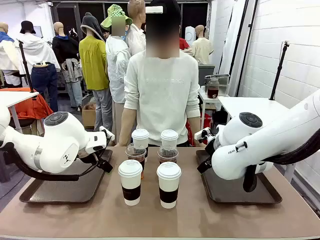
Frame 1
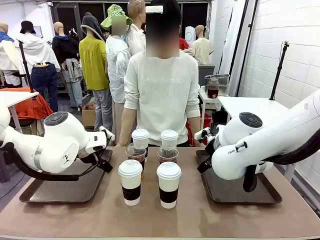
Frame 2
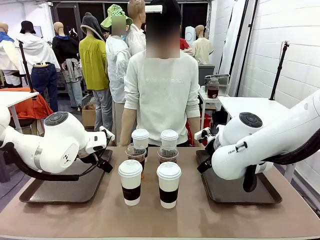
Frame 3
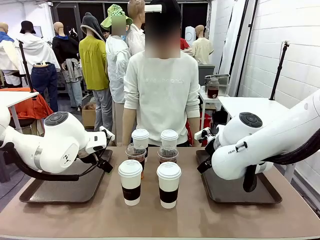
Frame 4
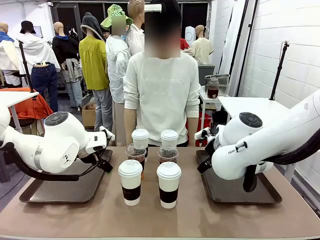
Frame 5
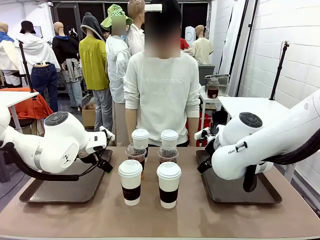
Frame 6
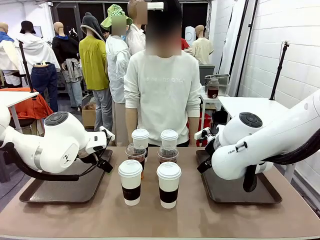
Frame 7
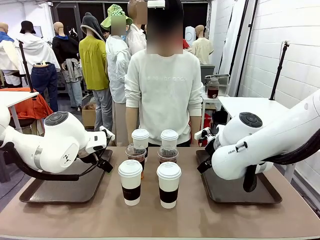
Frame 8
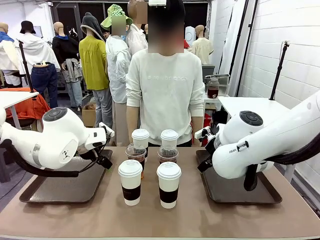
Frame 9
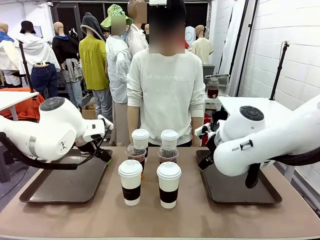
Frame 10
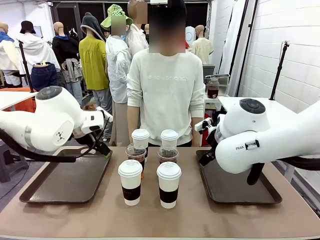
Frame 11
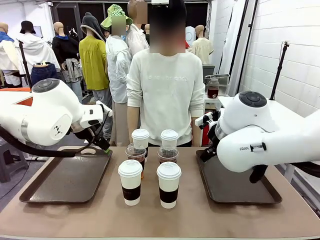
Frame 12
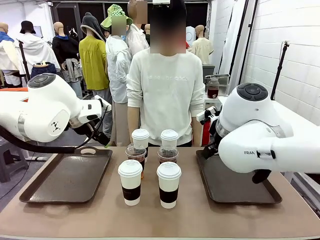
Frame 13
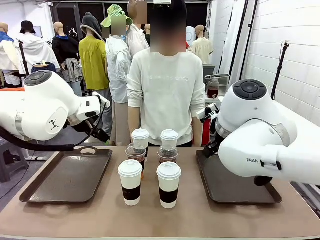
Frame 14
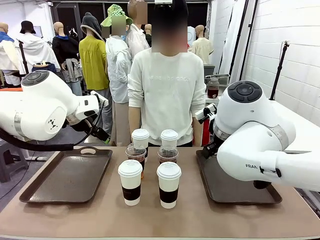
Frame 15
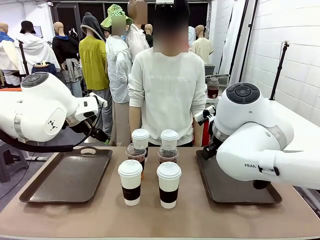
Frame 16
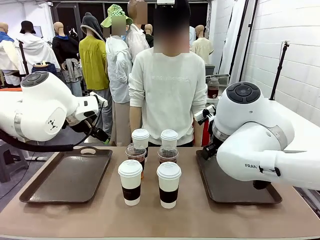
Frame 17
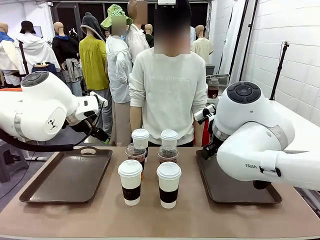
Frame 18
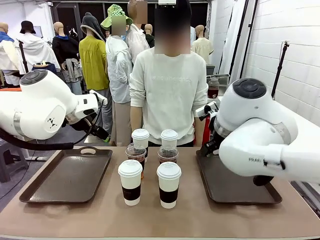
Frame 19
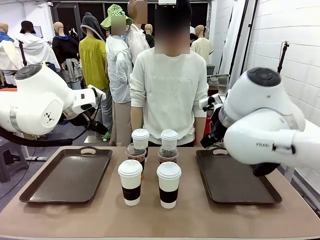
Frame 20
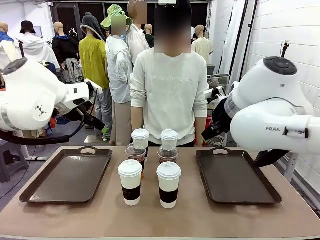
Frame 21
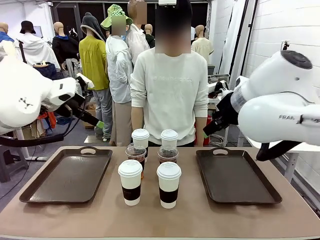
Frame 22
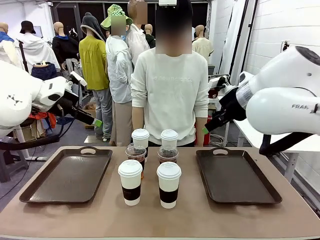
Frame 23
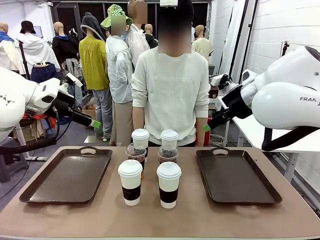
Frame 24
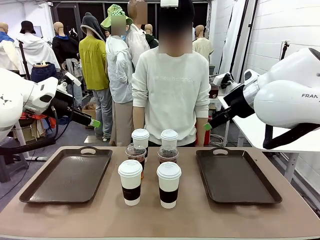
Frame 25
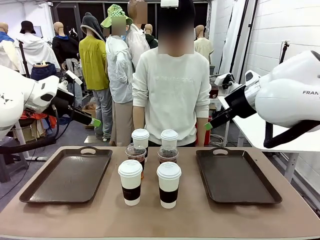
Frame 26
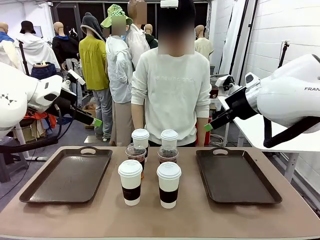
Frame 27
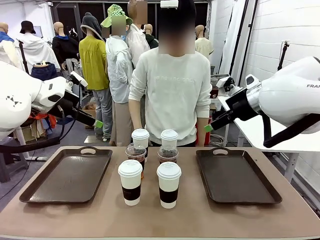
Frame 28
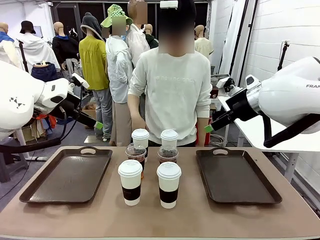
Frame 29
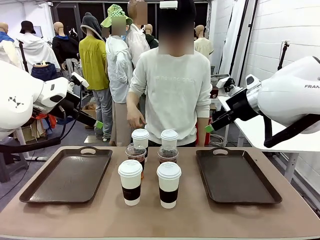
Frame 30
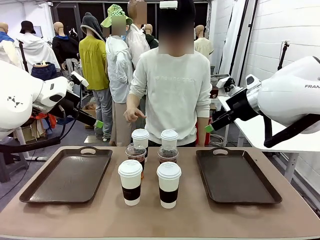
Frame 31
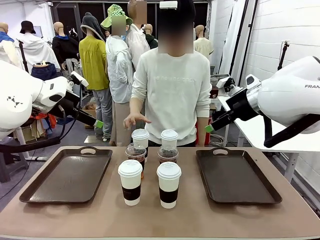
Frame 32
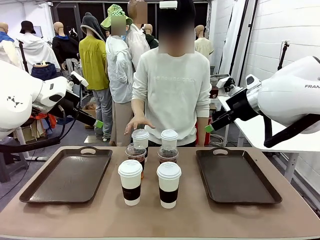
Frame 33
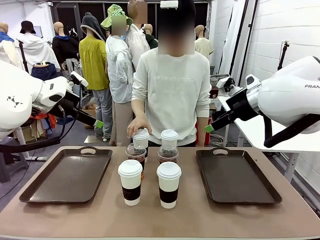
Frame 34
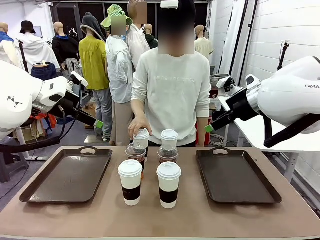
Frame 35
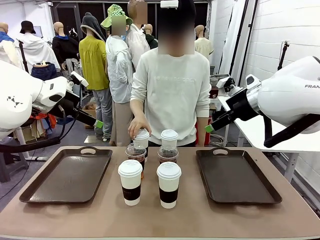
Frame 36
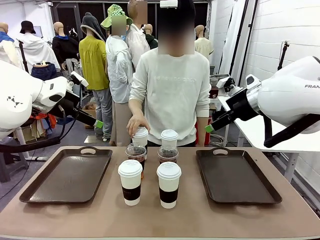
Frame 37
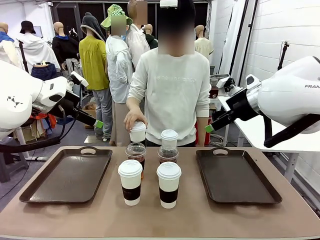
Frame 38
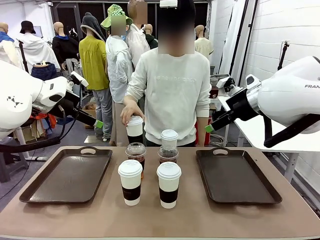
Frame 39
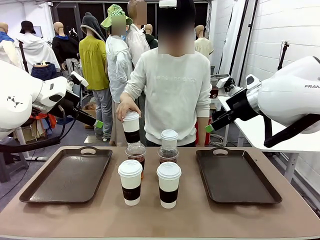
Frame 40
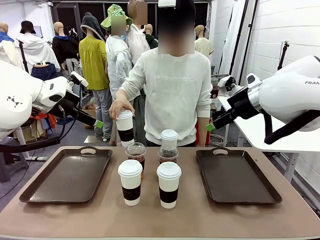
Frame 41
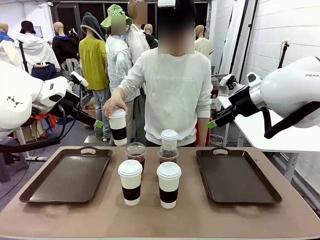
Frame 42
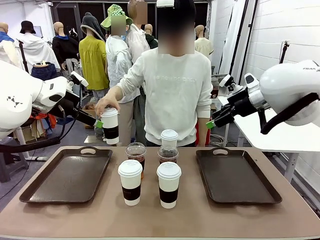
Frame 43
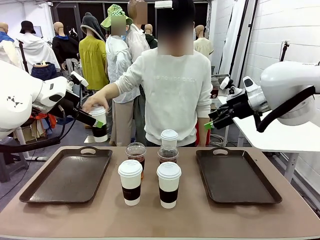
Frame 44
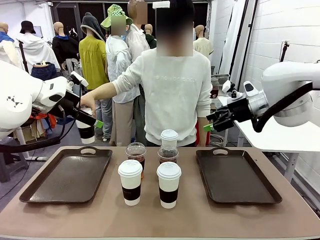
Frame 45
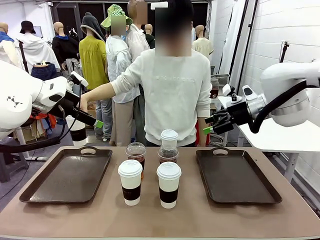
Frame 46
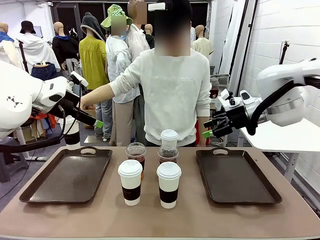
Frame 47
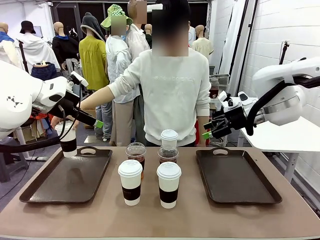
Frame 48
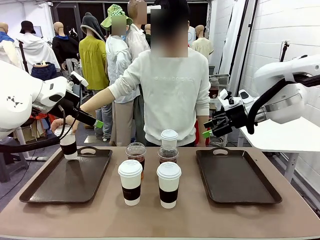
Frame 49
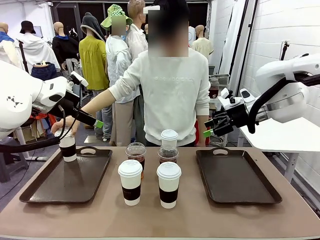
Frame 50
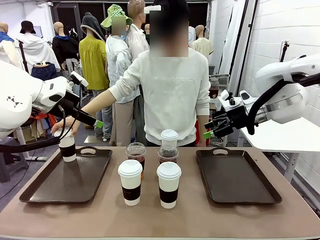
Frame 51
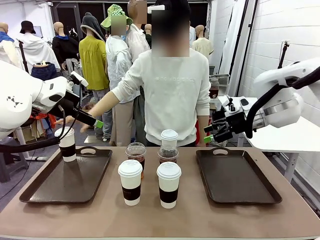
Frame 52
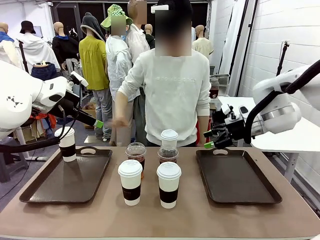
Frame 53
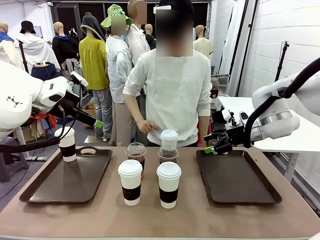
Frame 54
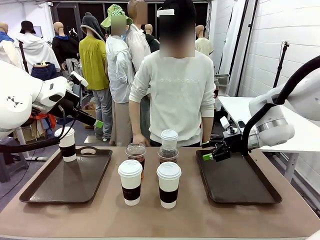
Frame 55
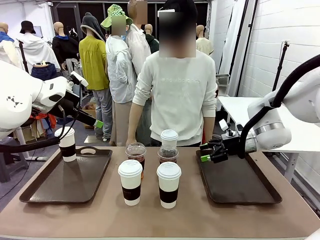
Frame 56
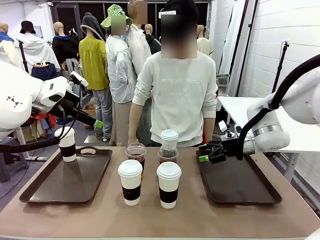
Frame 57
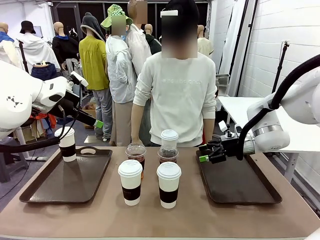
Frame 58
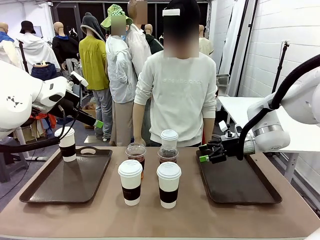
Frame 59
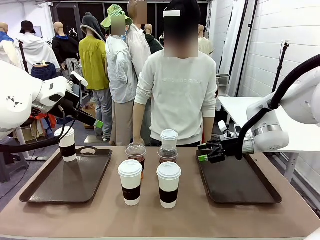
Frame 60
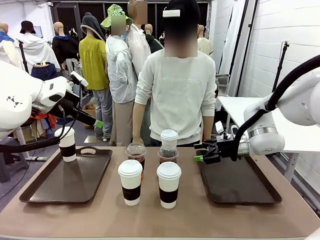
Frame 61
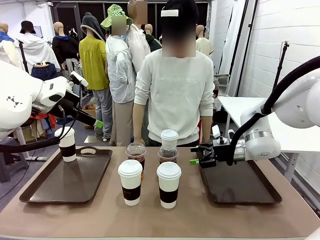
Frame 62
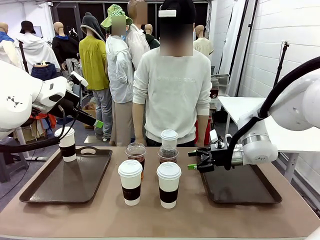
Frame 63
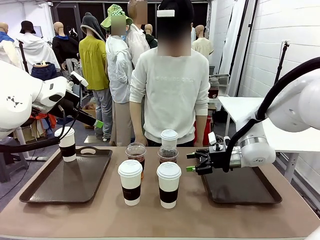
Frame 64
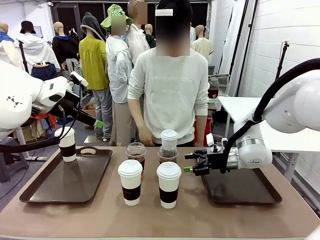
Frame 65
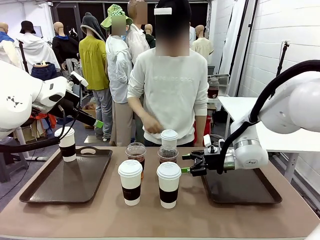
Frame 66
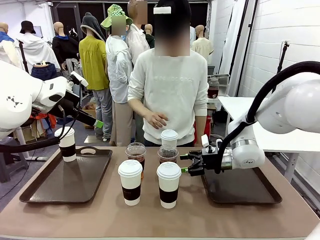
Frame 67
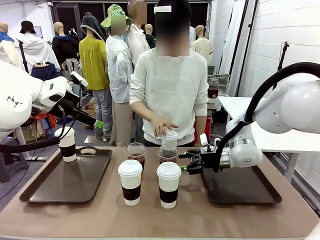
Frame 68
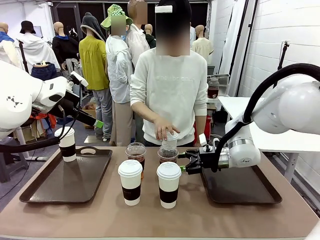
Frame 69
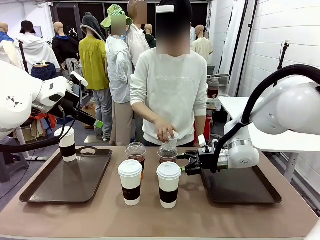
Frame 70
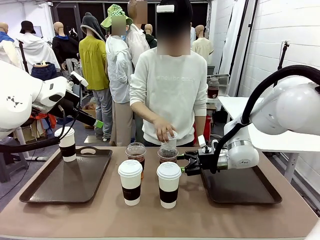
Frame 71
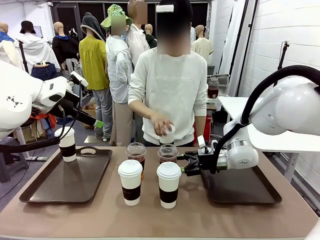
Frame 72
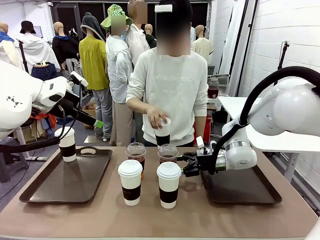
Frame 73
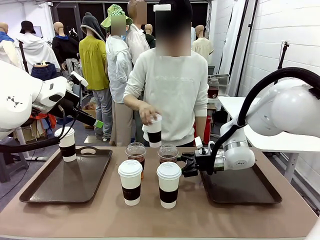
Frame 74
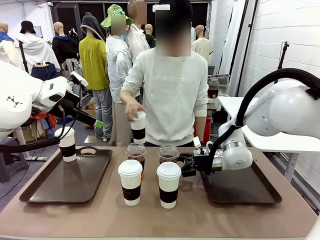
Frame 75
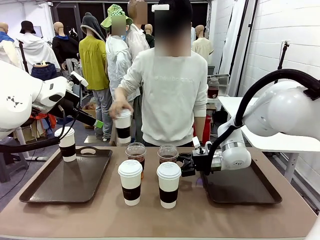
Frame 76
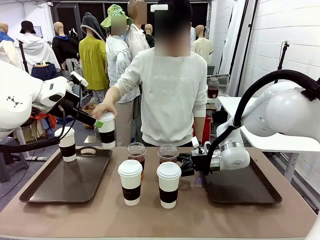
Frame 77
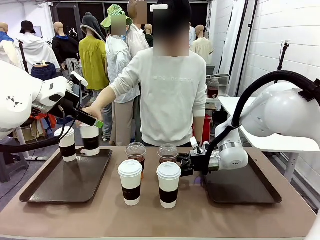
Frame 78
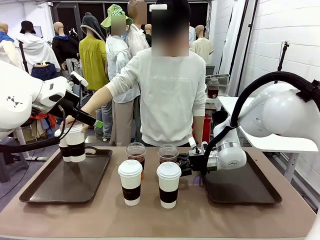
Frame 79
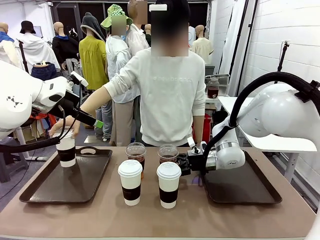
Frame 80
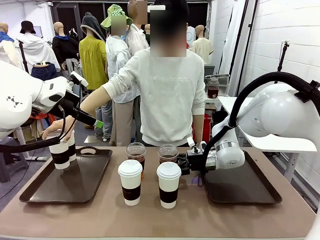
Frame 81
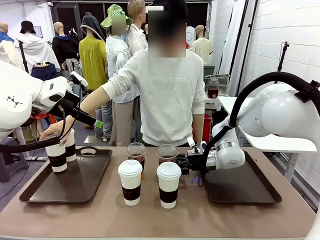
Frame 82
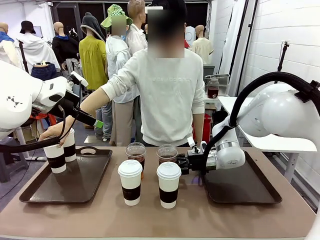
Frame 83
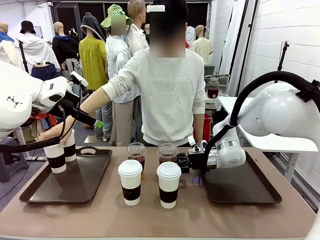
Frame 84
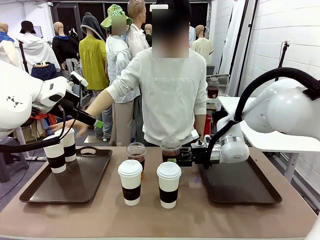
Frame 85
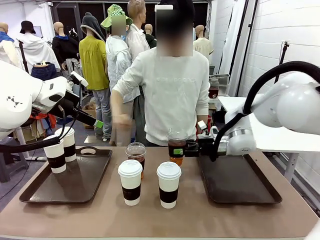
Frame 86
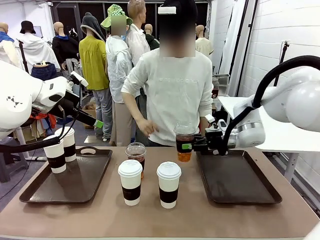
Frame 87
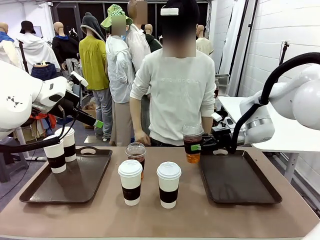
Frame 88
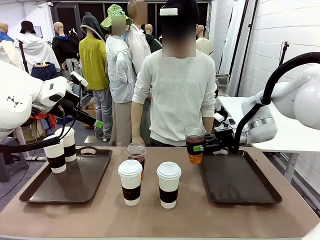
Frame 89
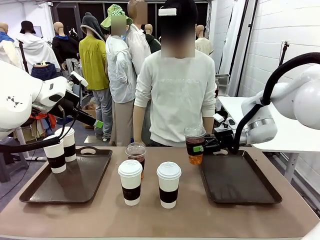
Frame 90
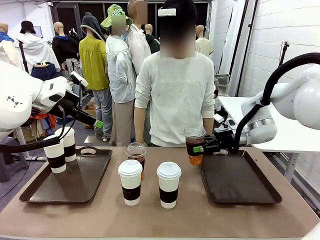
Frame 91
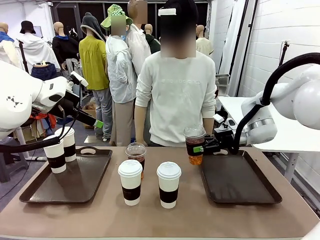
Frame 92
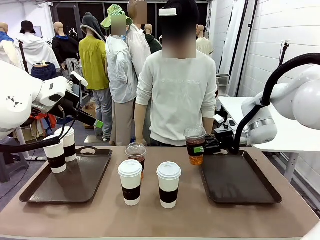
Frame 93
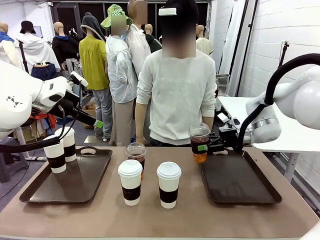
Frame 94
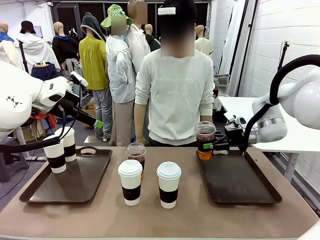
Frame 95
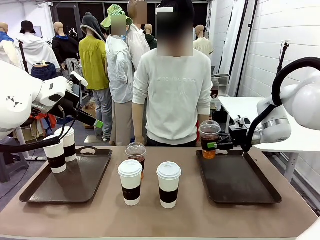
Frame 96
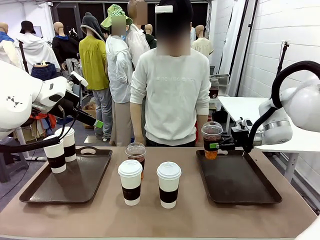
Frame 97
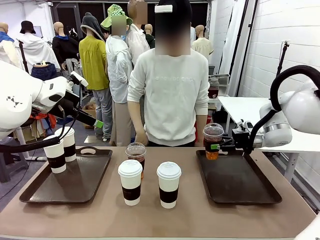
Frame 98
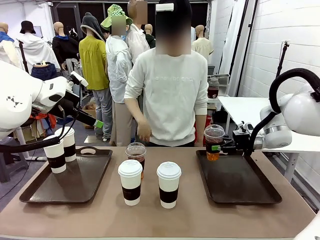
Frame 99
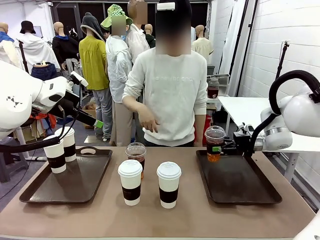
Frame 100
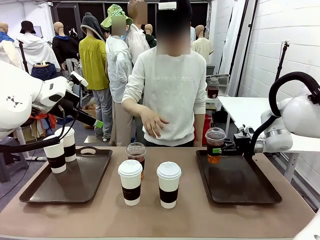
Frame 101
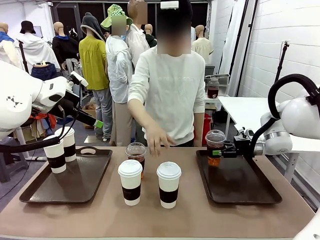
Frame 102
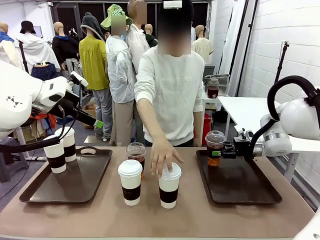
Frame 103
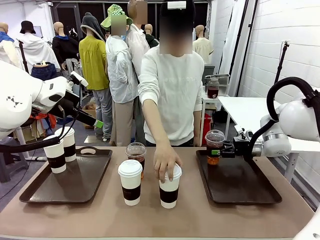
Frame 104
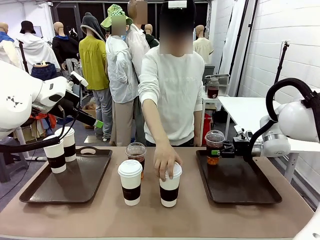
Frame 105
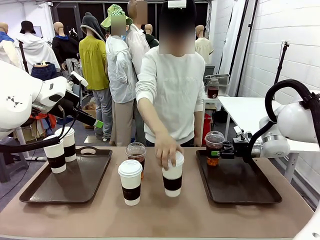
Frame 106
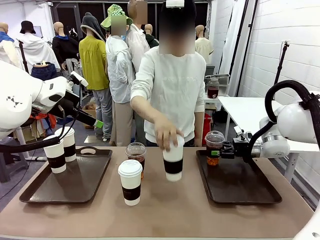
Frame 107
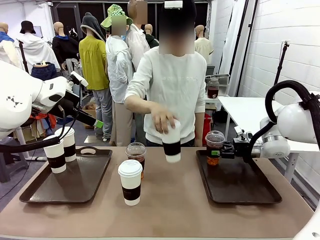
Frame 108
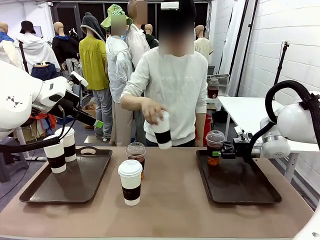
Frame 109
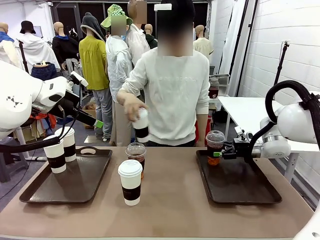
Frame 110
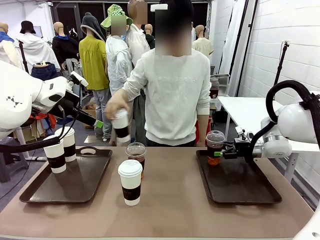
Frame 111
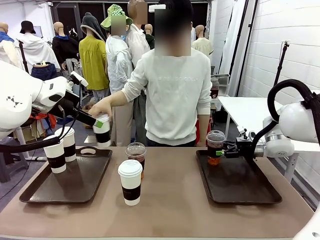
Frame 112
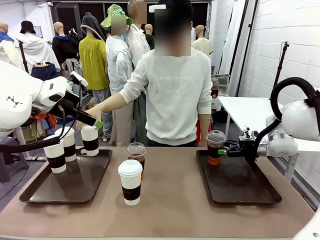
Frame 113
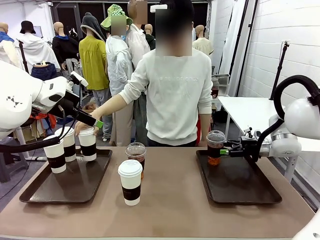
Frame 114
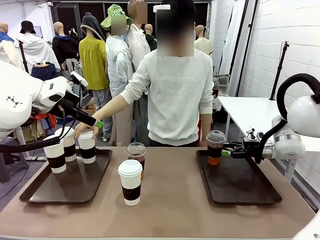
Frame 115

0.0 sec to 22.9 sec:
Task: Distribute the coffee onto the tray.
Robot: Pick up one iced Americano and place it on the right Handle tray.
Person: Pick up a cup of hot Americano and place it on the right tray.
